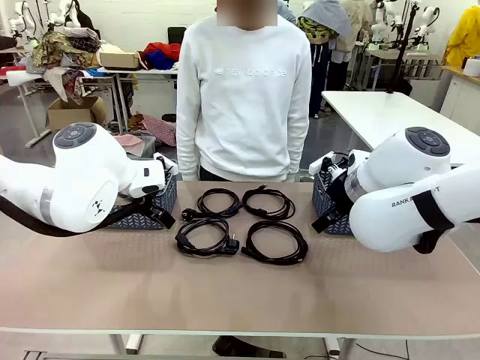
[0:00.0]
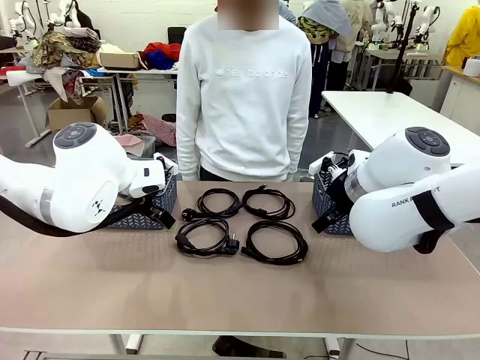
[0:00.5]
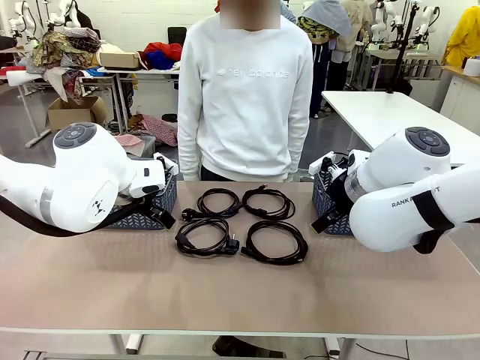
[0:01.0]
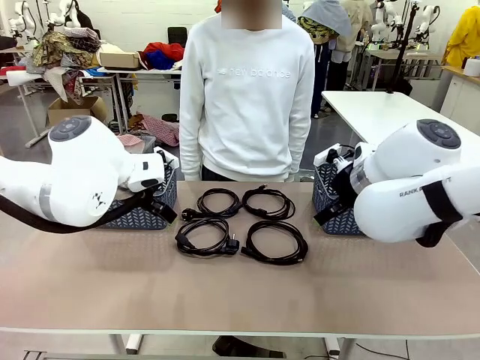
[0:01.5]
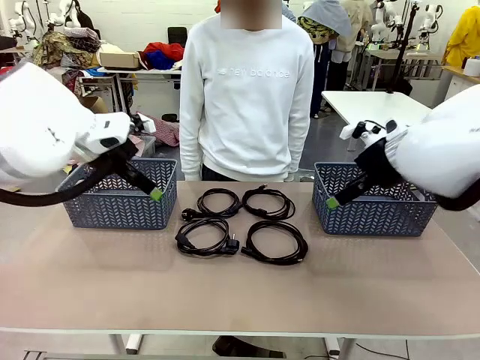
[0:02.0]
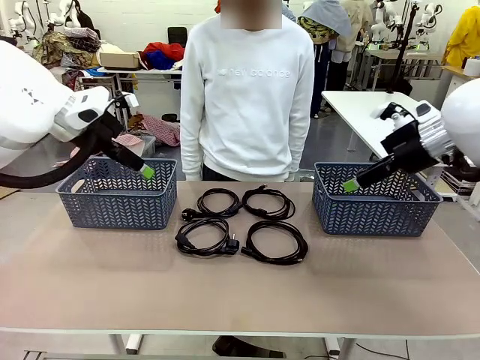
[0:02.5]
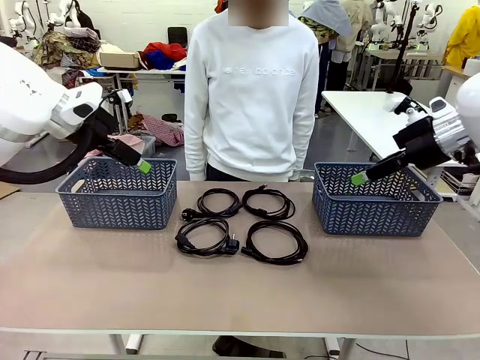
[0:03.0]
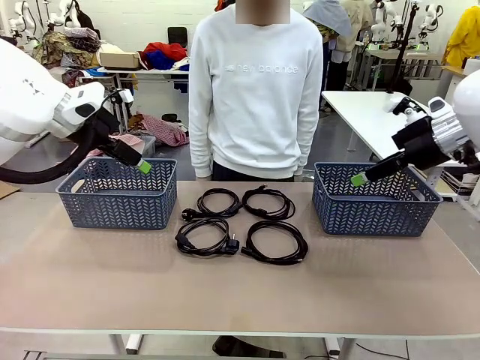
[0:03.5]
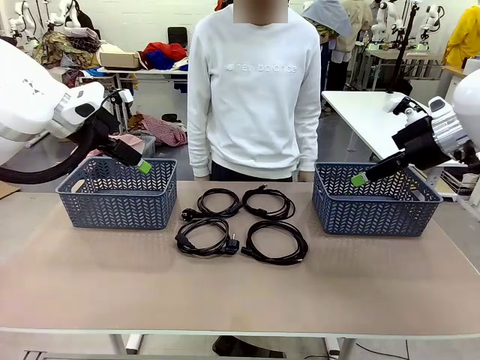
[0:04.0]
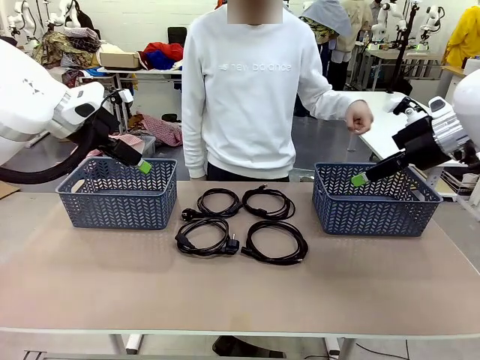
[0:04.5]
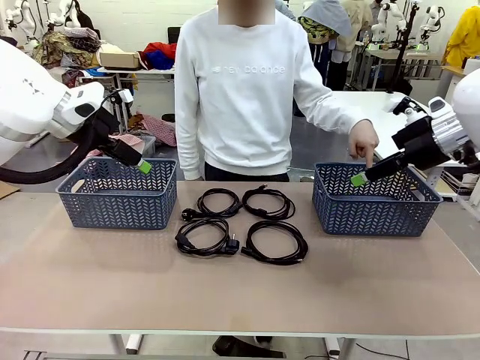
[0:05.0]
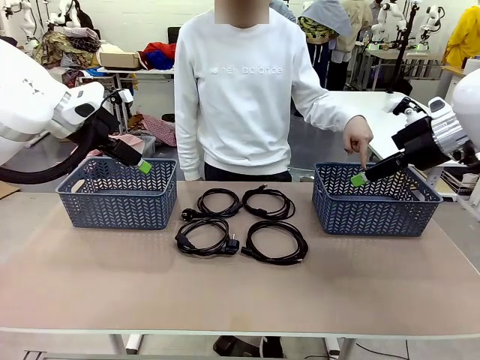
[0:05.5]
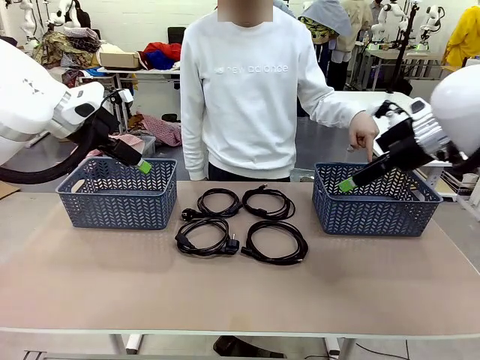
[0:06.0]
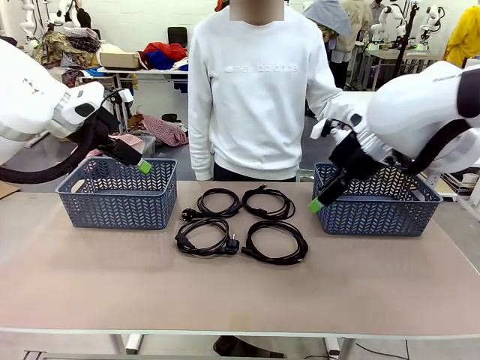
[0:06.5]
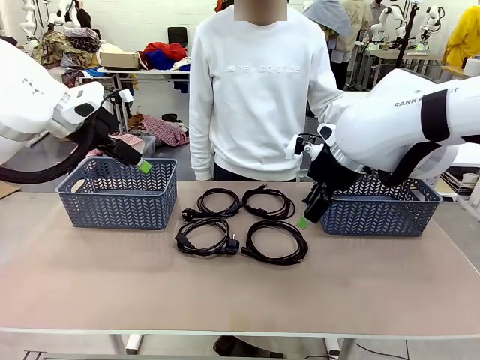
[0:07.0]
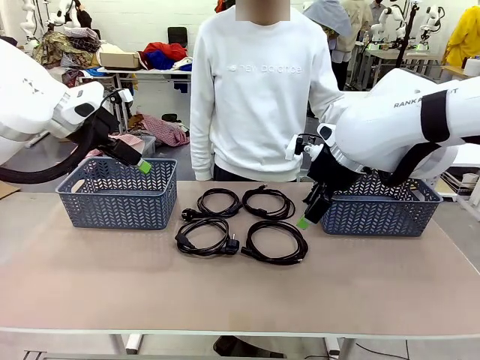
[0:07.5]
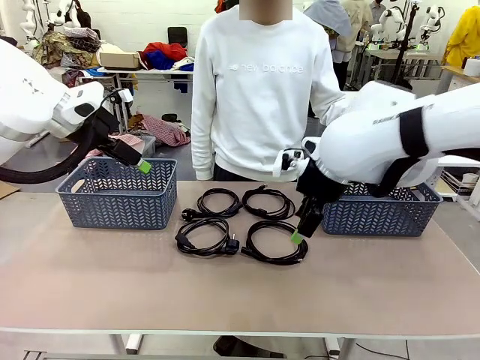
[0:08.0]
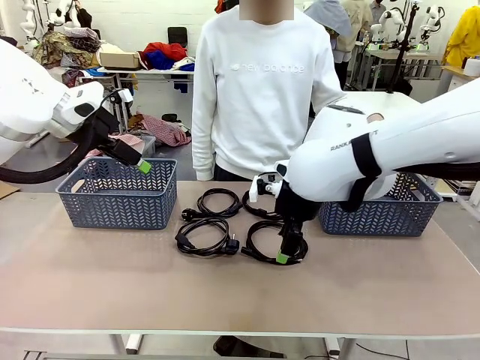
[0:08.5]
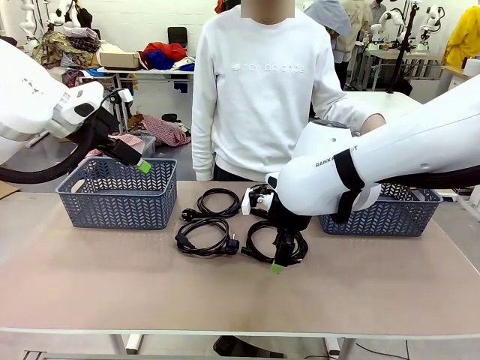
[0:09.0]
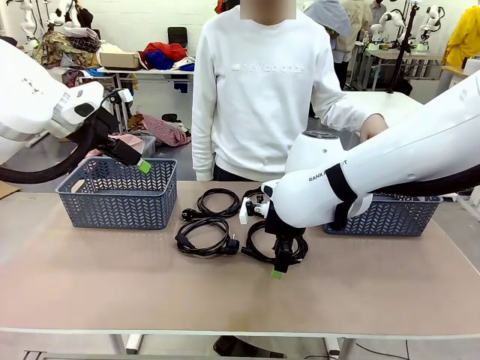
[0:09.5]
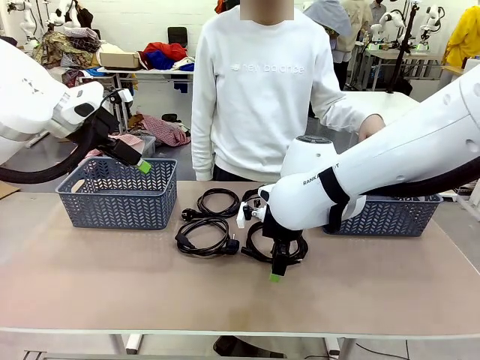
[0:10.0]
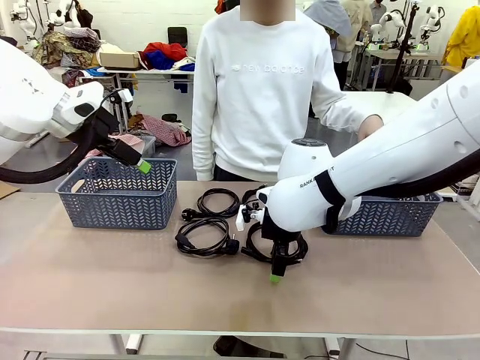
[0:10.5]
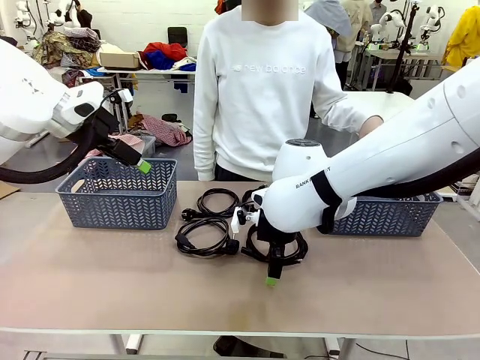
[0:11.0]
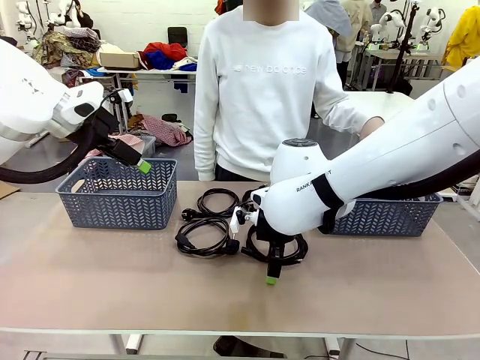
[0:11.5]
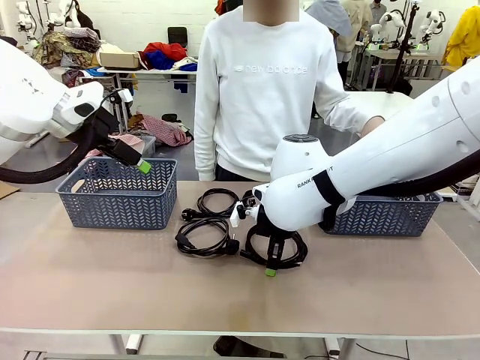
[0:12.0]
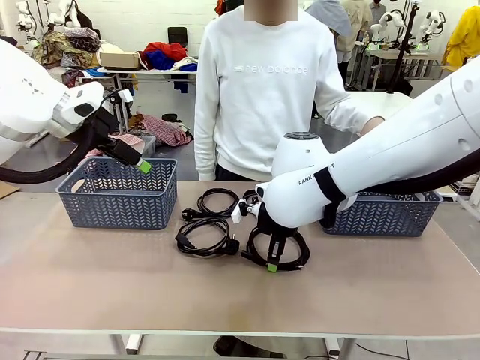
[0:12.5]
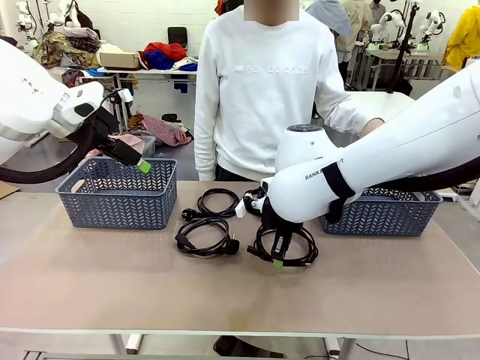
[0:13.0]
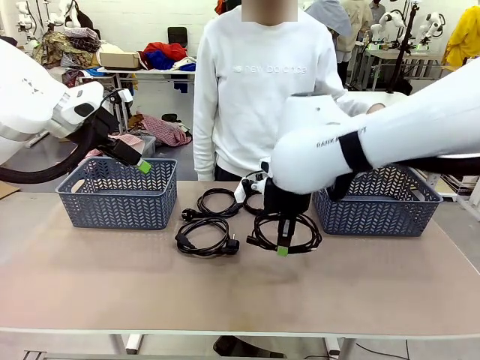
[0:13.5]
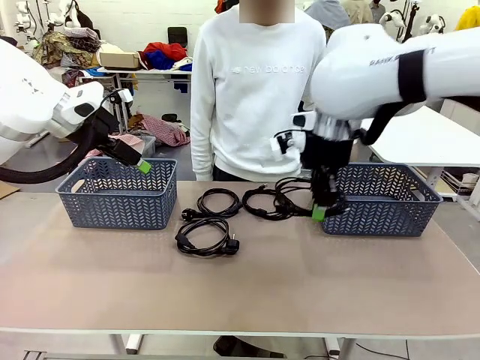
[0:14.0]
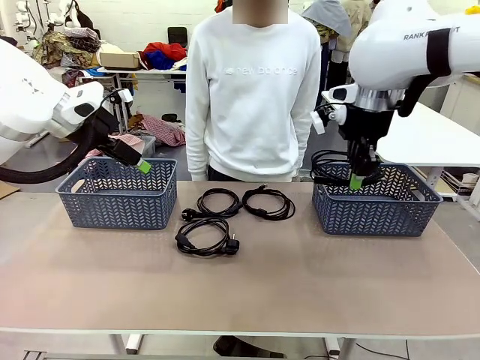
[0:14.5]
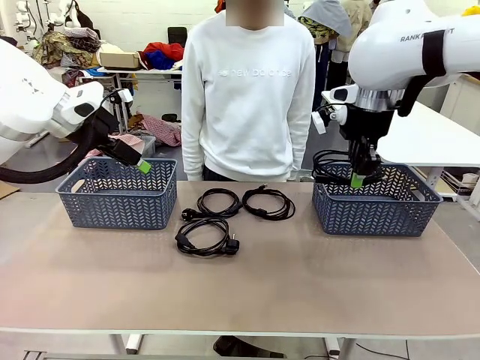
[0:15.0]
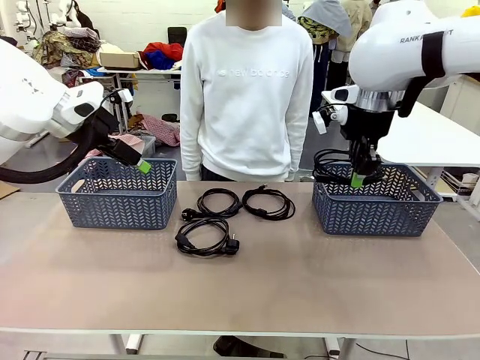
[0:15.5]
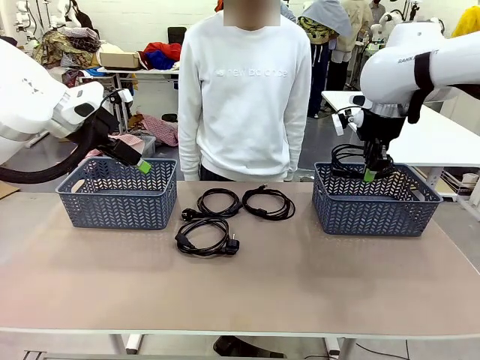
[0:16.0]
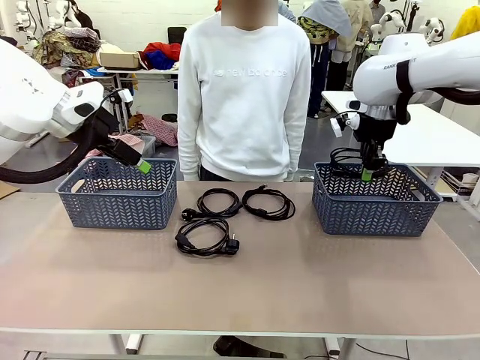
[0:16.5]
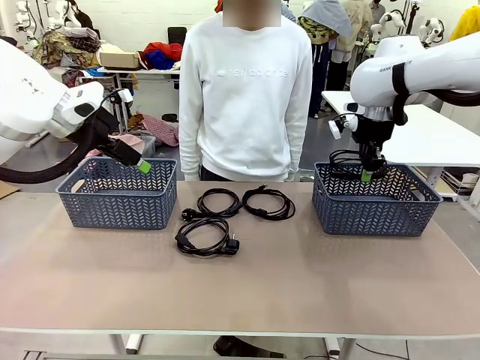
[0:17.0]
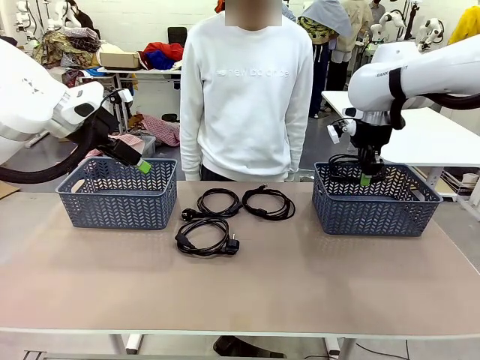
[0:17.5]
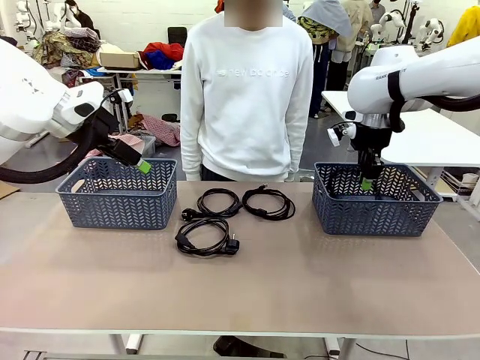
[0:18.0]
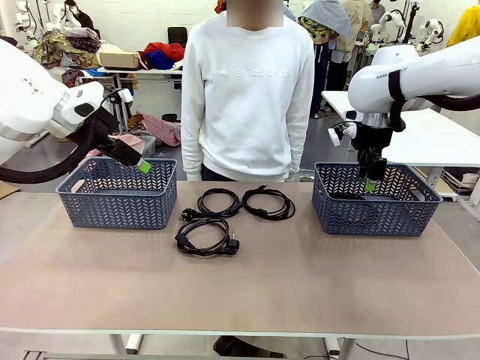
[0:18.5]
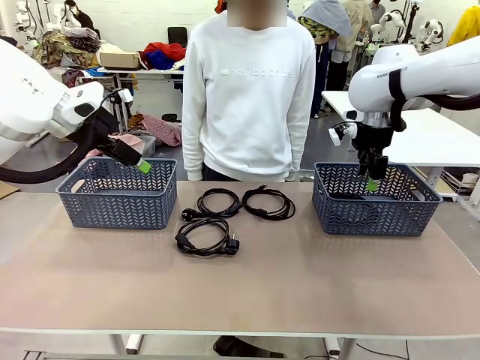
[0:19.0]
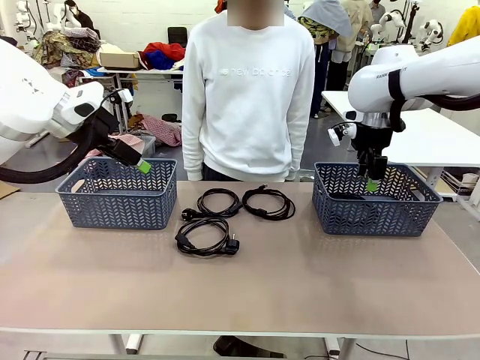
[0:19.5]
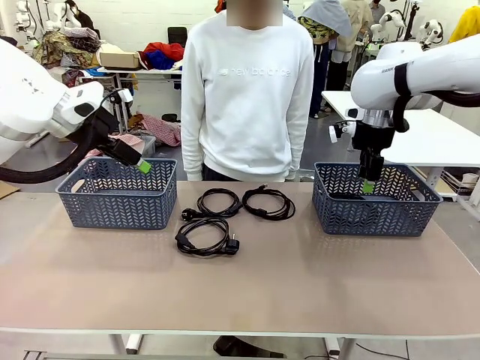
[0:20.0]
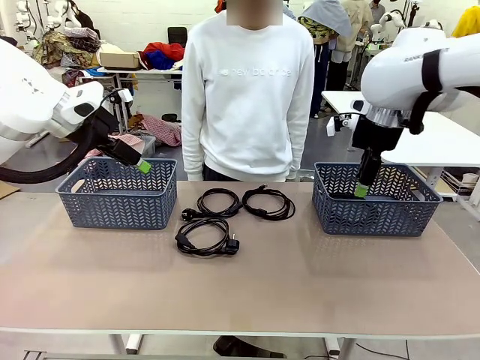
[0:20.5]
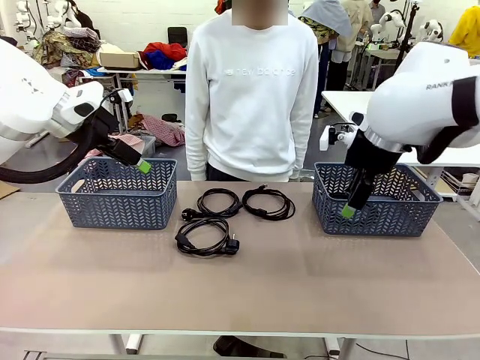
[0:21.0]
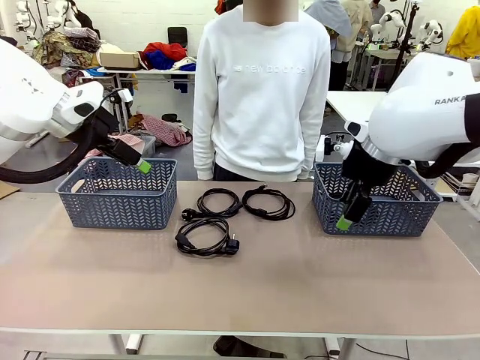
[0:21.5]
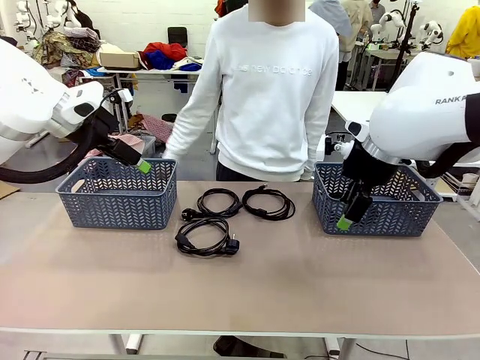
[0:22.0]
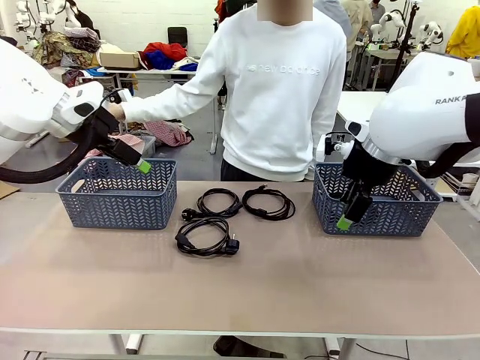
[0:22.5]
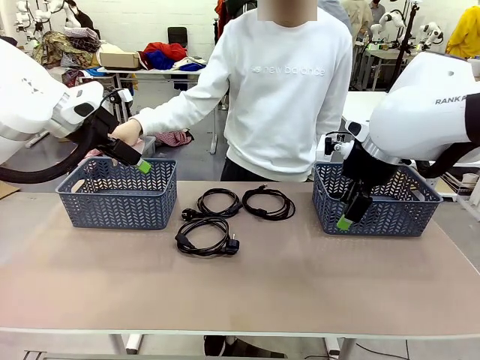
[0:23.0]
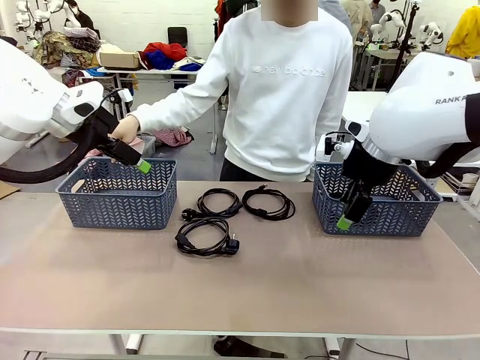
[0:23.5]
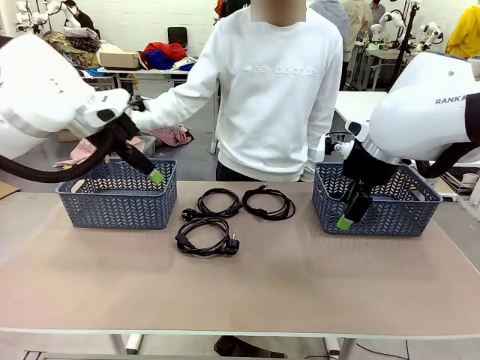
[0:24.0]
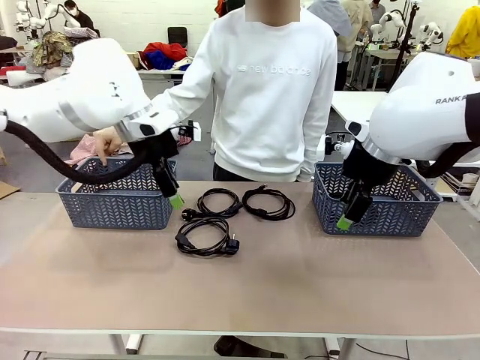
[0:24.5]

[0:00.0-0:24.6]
Task: Organize the cables according to human instructions.
Robot: Pick up a bundle of cables and place it in the basket indicated by the human.
